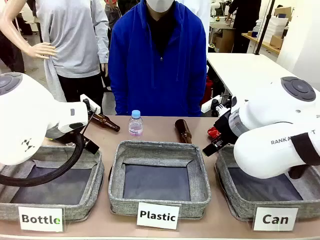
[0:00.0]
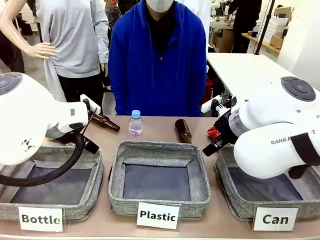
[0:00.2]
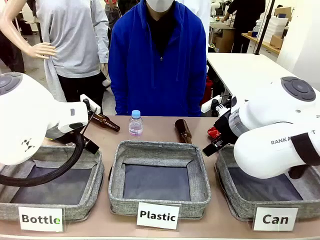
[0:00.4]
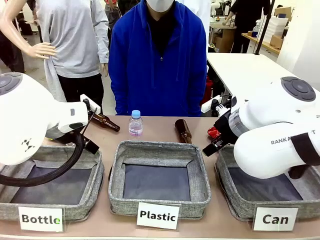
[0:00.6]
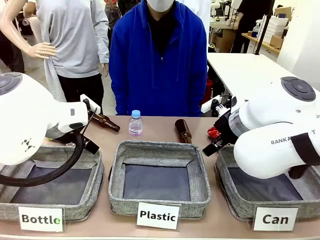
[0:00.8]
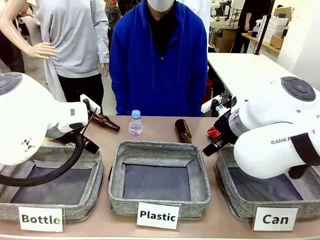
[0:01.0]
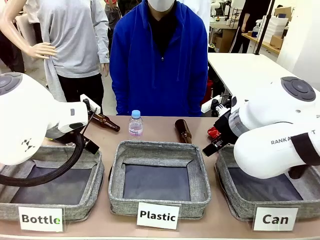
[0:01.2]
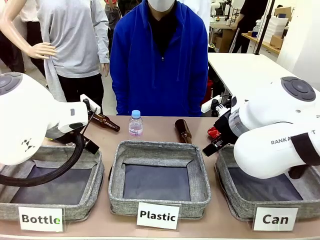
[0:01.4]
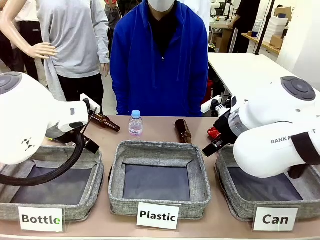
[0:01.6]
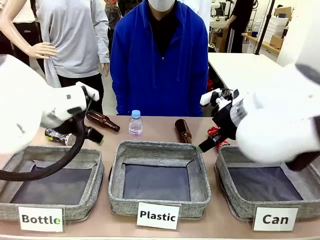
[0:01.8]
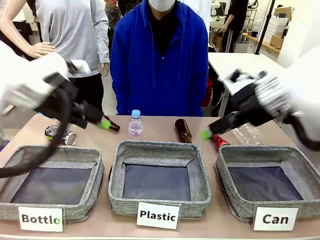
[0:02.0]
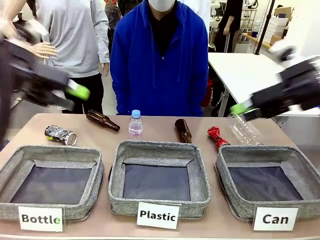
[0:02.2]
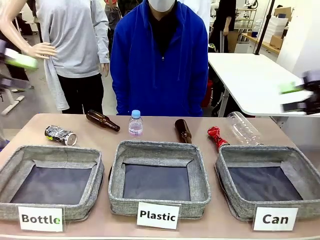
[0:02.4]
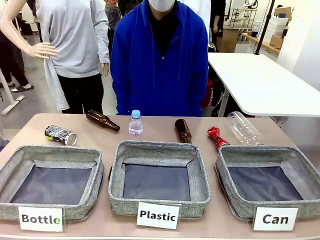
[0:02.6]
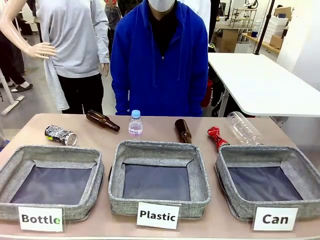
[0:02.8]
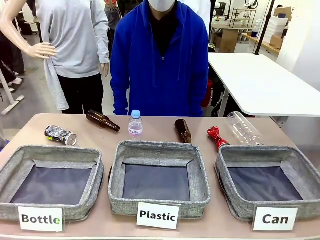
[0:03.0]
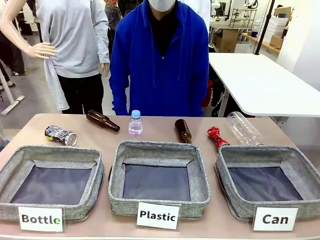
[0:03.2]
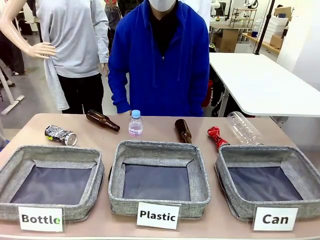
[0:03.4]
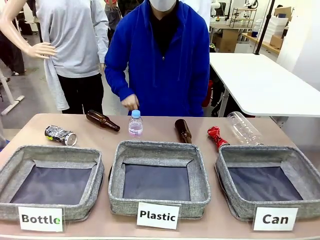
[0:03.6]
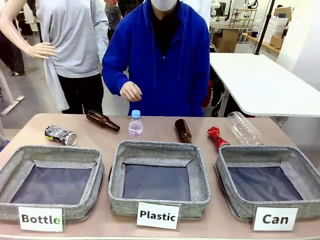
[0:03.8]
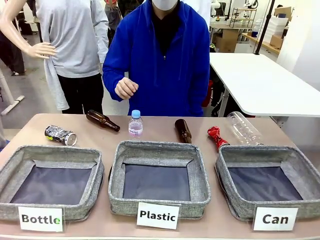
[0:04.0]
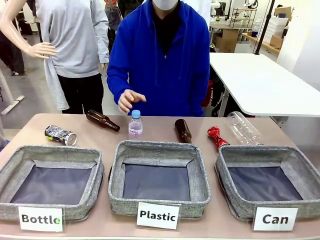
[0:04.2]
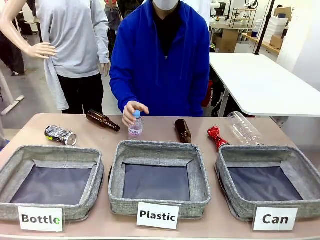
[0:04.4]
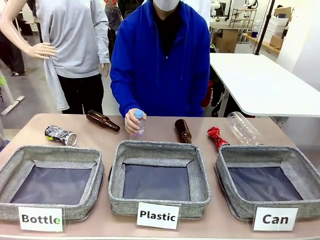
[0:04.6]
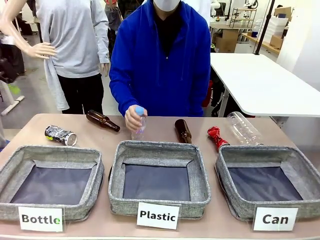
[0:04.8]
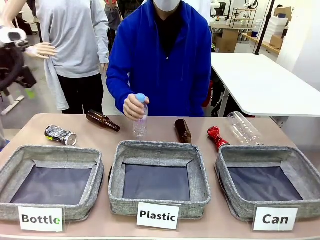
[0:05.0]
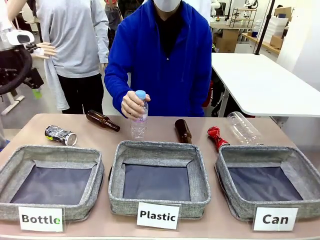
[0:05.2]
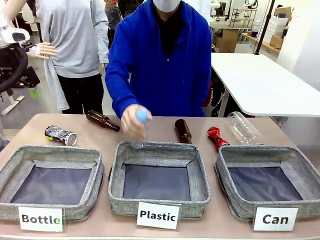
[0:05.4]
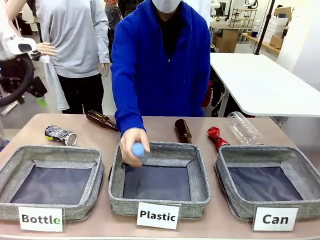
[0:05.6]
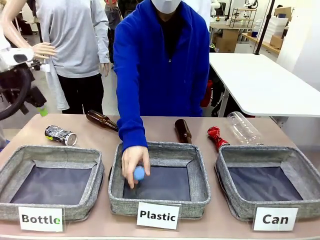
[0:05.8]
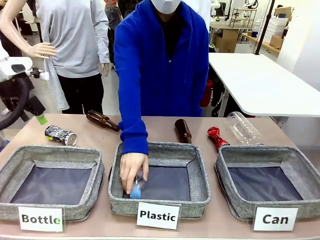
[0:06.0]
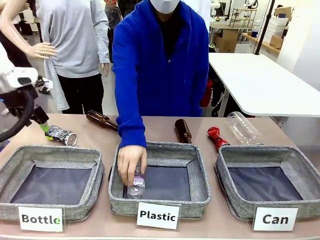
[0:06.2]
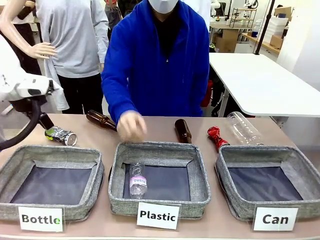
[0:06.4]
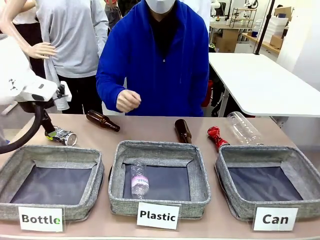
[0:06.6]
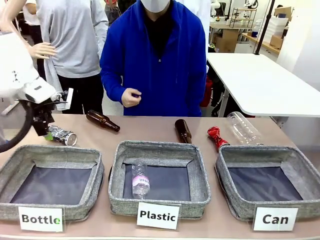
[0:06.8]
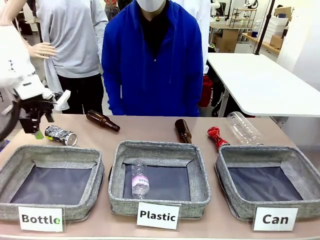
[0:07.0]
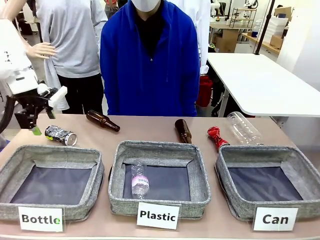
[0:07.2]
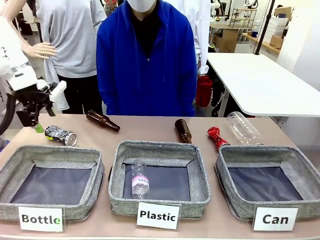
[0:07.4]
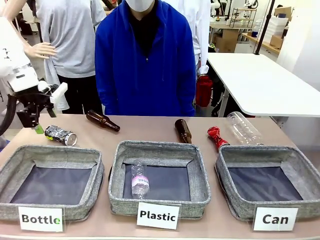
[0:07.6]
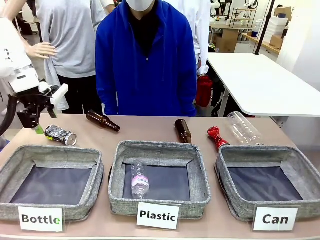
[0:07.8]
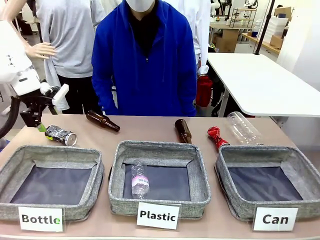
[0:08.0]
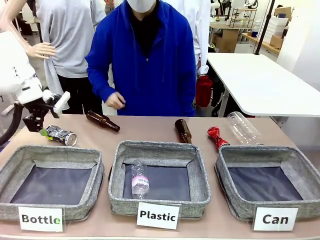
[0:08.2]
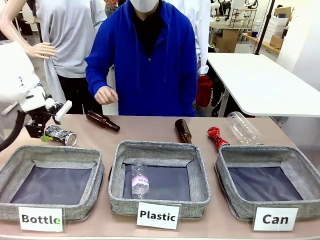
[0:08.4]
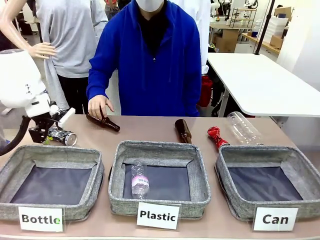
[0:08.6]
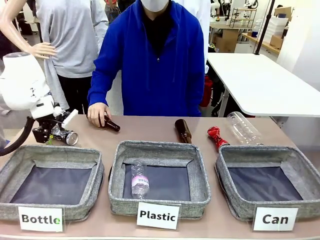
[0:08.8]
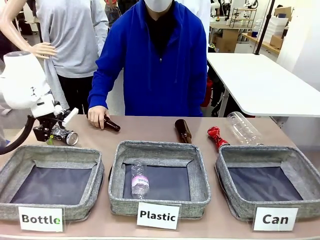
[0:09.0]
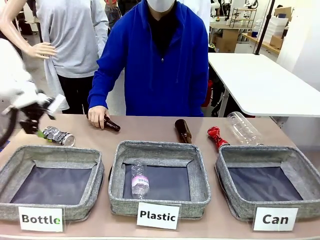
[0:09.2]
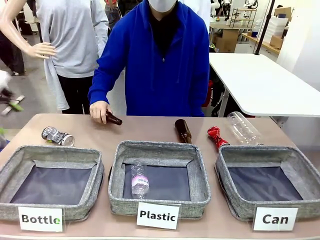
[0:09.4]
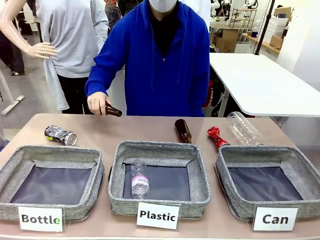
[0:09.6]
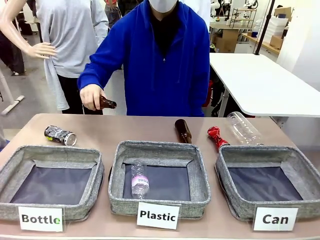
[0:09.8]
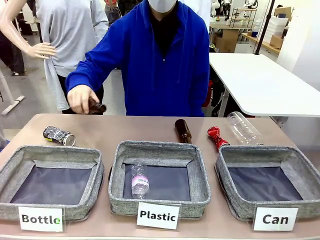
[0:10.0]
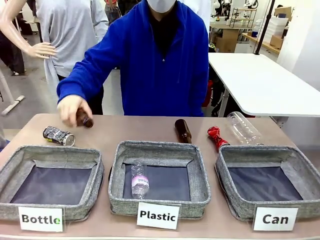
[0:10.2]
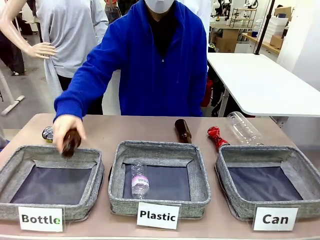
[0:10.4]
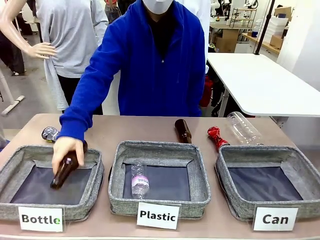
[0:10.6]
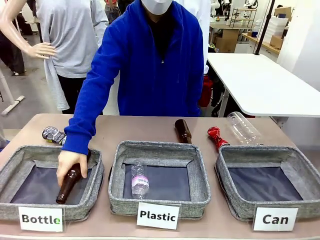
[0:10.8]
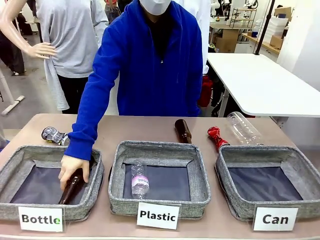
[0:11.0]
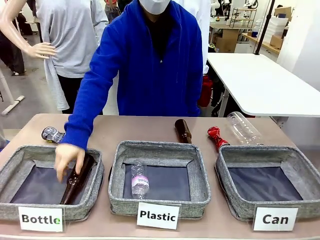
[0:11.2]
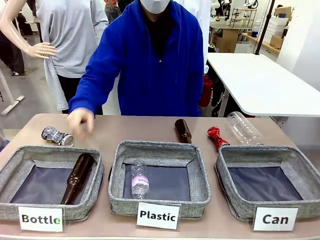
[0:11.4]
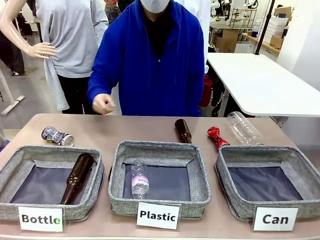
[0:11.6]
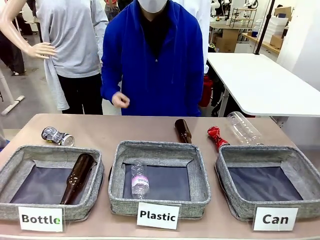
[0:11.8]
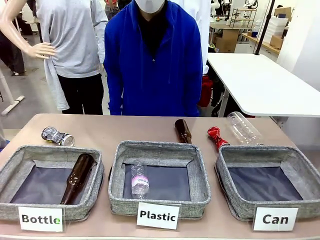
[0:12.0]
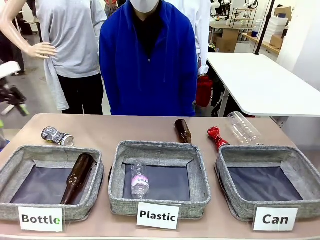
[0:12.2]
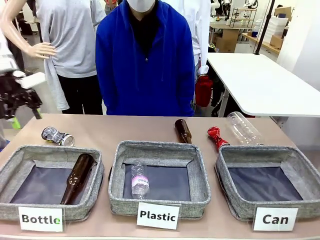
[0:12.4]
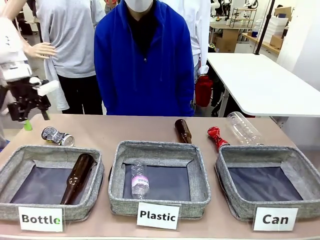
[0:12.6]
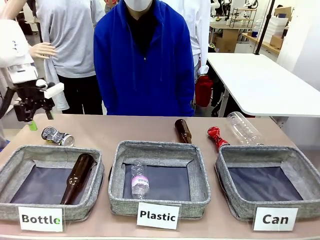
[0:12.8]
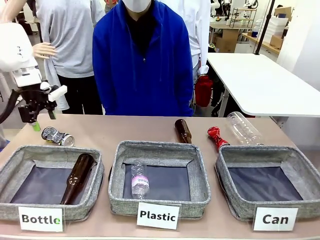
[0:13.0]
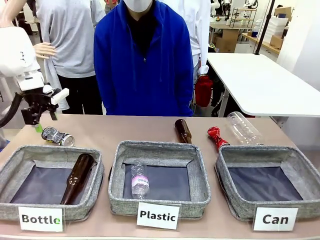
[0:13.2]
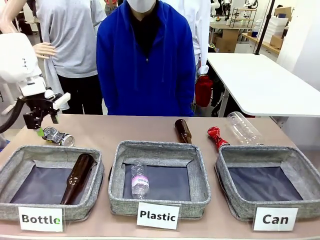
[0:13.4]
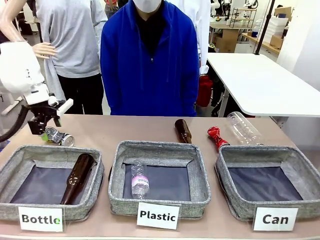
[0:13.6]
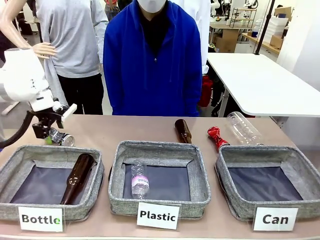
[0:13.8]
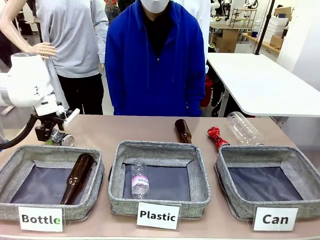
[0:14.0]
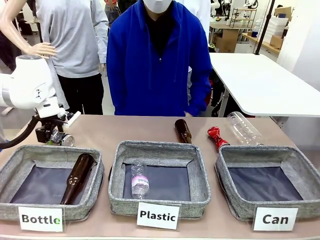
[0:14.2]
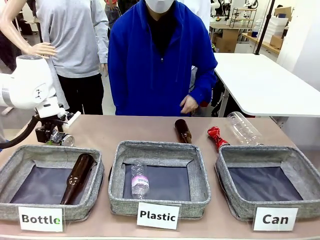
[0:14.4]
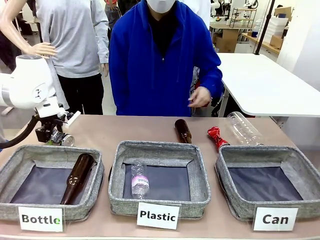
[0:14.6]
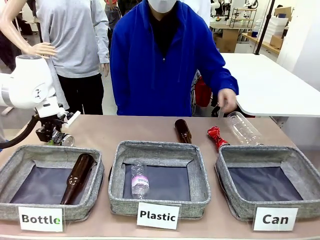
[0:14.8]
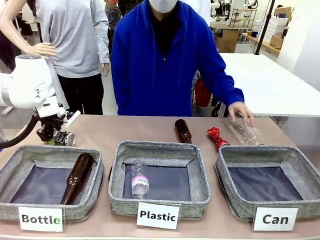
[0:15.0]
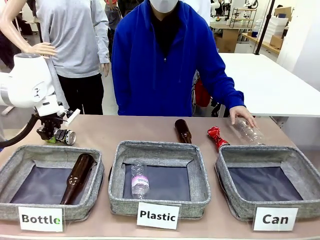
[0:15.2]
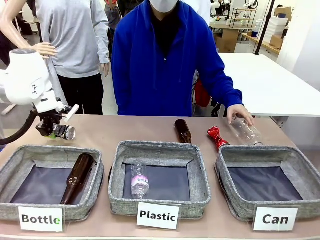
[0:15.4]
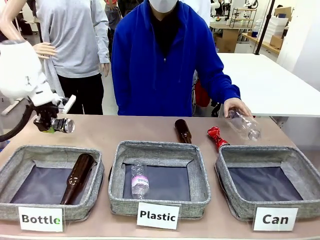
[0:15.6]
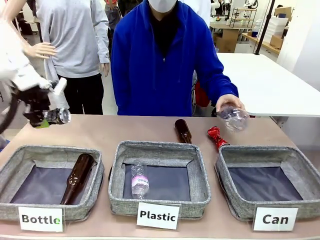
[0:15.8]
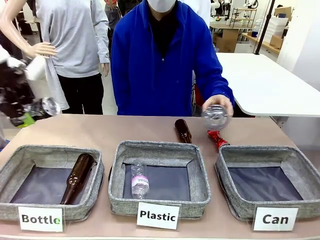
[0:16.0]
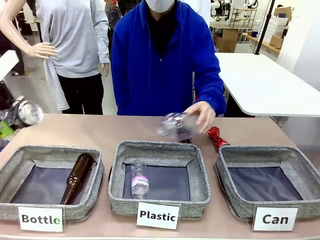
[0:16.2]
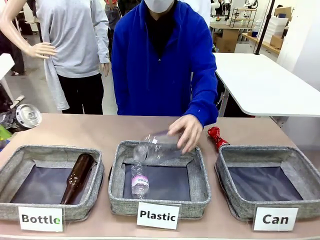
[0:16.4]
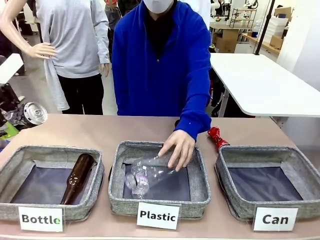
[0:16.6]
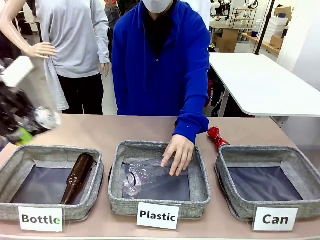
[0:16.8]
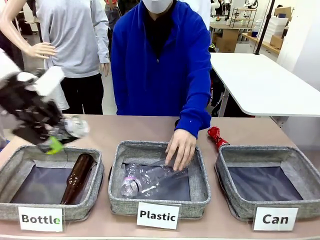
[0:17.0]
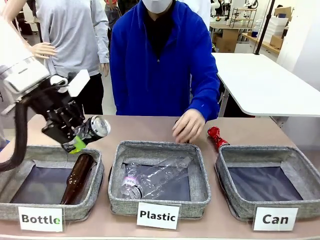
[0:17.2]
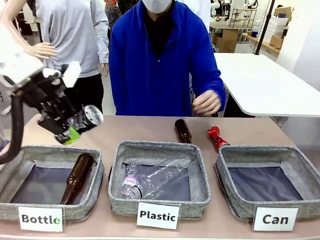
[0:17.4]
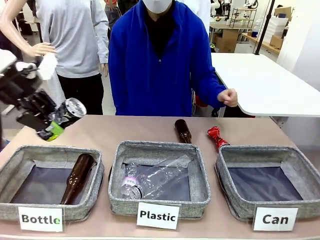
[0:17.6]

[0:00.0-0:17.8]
Task: Sort the can waste into the basket.
Robot: Pick up the can waste from the table and place it in the right Fabric basket.
